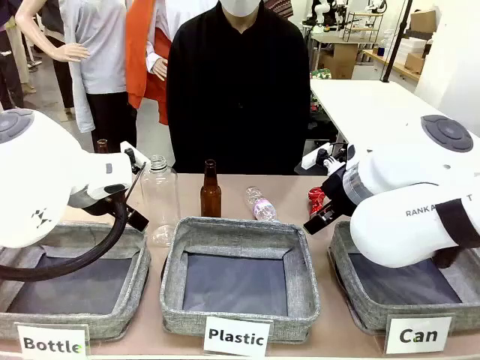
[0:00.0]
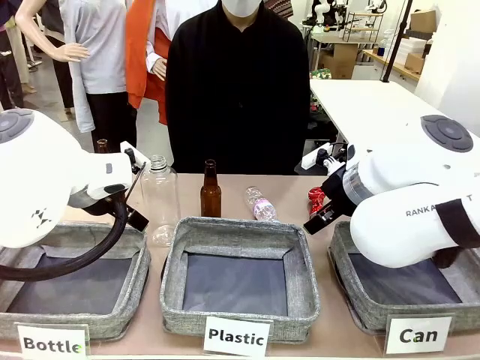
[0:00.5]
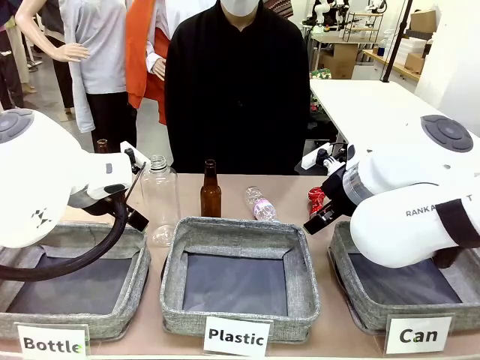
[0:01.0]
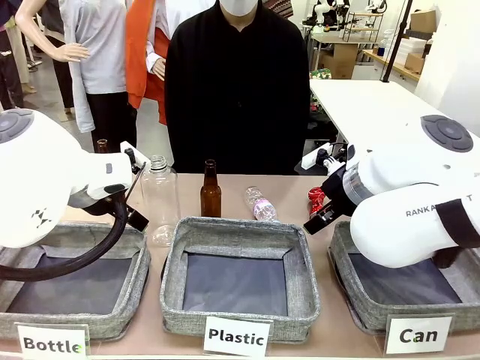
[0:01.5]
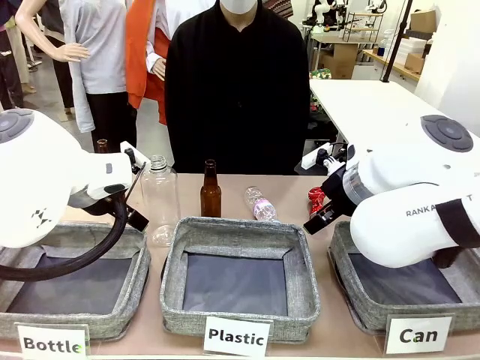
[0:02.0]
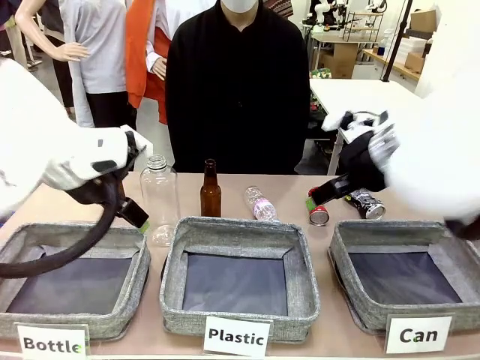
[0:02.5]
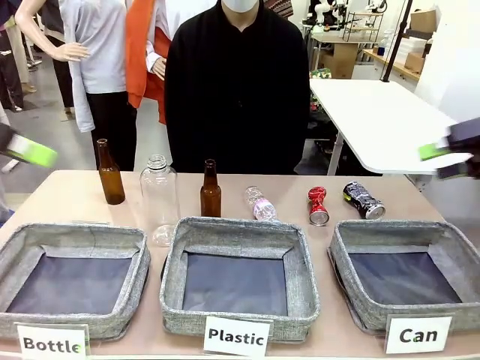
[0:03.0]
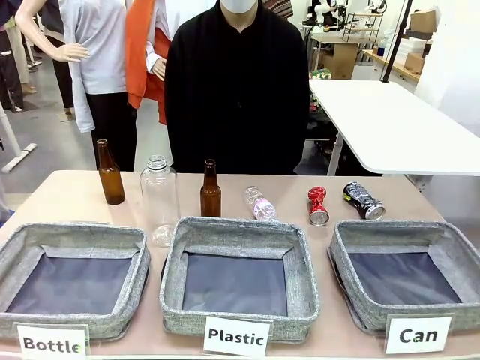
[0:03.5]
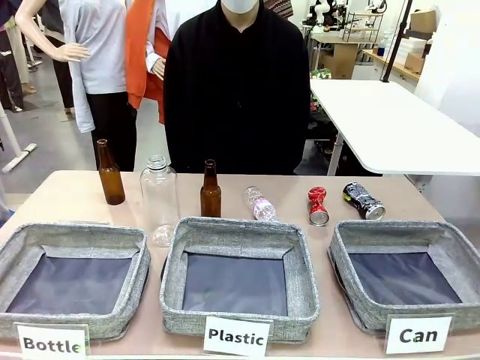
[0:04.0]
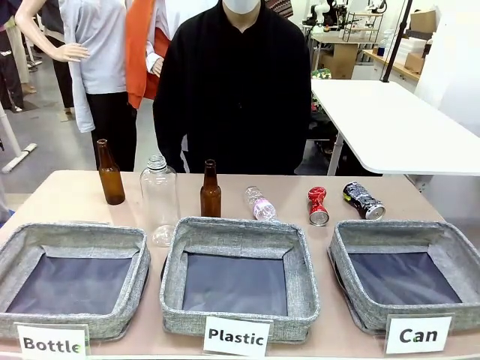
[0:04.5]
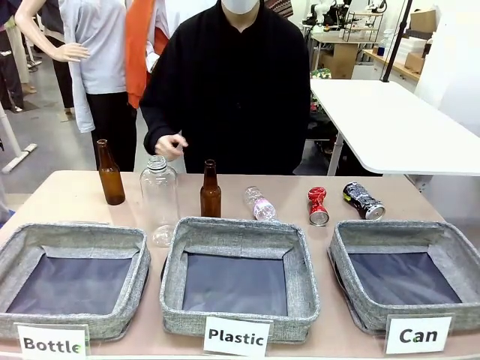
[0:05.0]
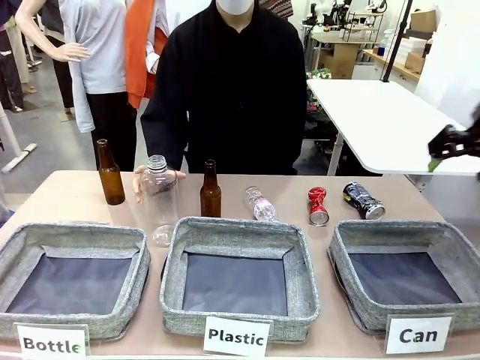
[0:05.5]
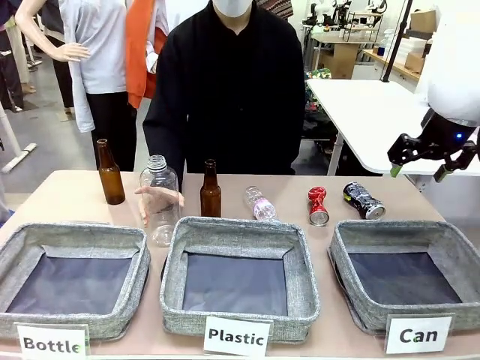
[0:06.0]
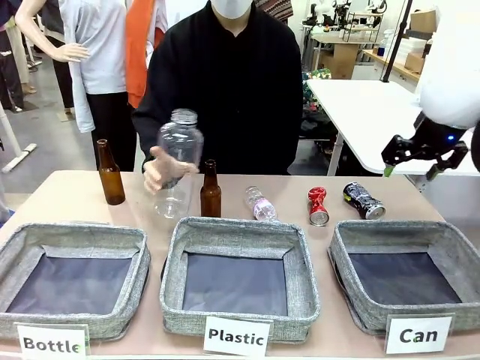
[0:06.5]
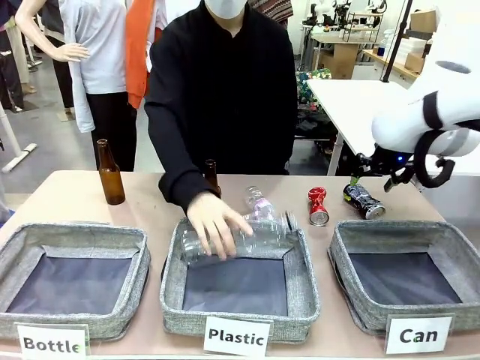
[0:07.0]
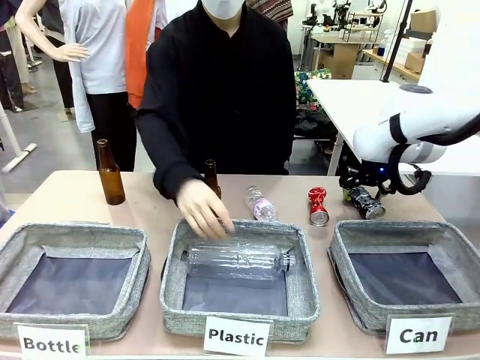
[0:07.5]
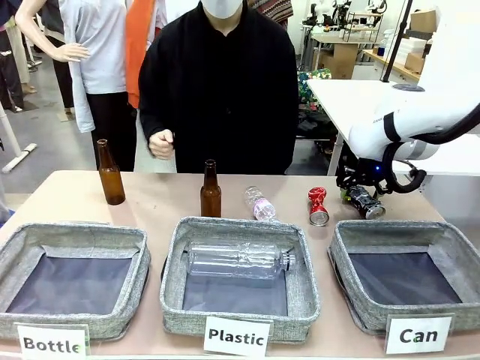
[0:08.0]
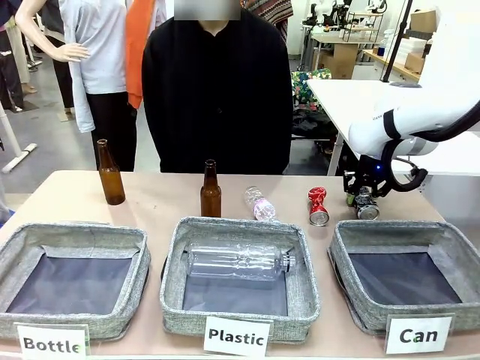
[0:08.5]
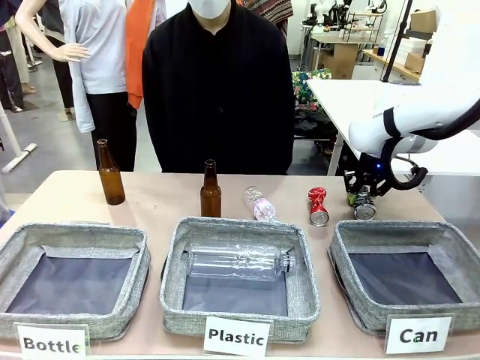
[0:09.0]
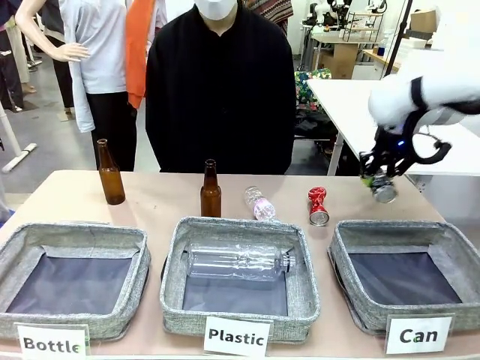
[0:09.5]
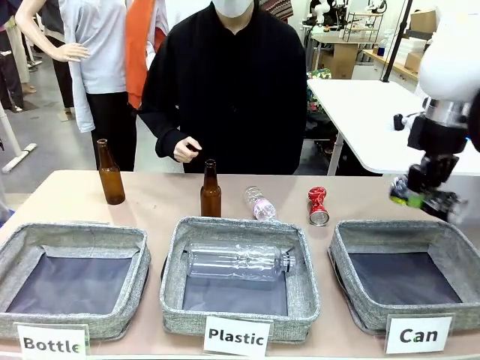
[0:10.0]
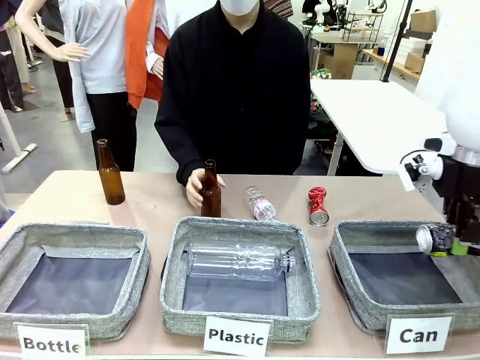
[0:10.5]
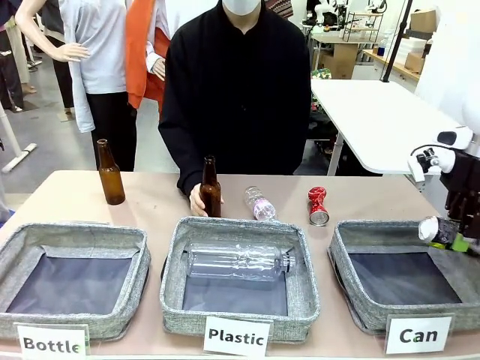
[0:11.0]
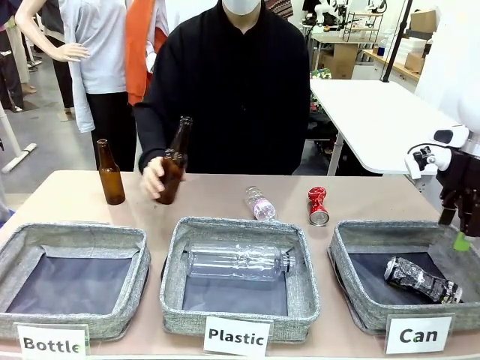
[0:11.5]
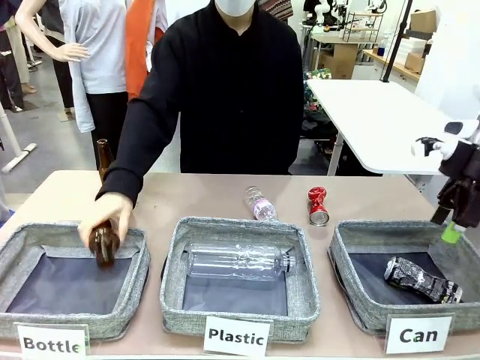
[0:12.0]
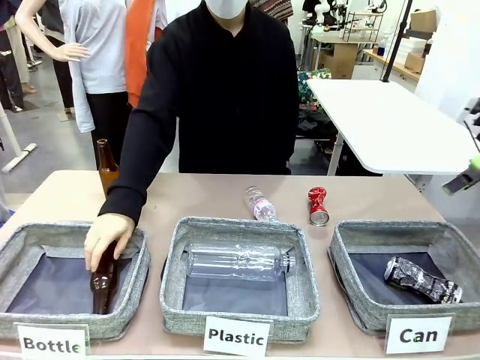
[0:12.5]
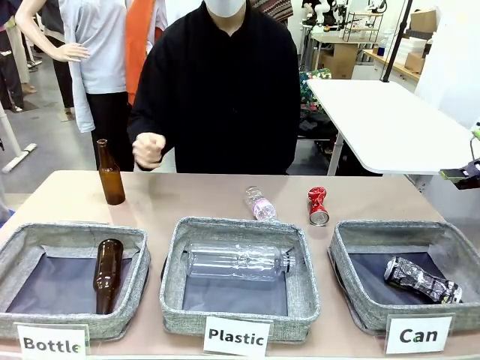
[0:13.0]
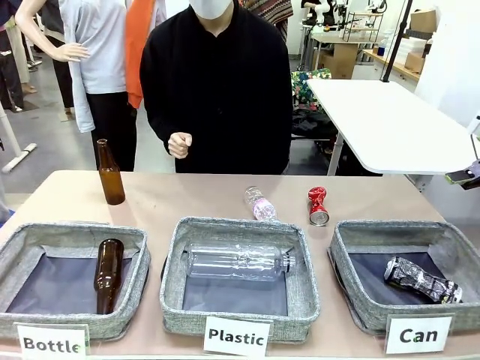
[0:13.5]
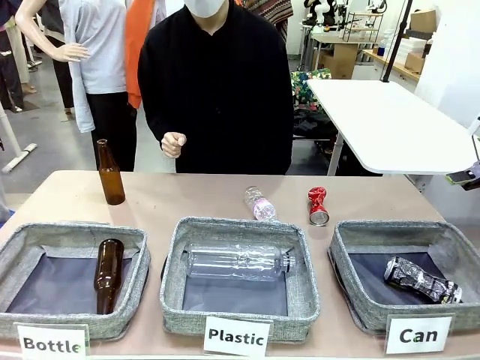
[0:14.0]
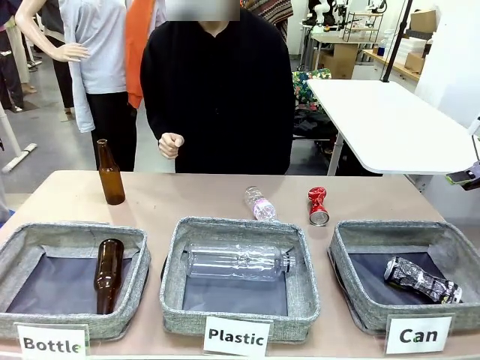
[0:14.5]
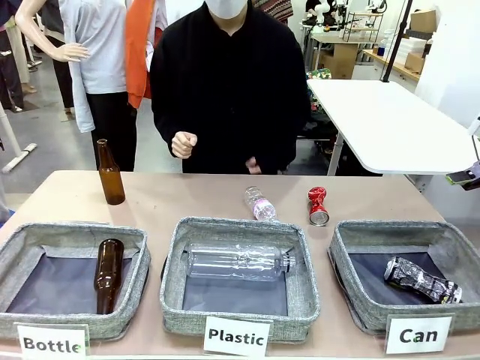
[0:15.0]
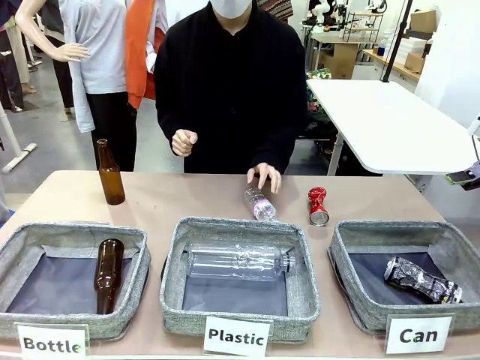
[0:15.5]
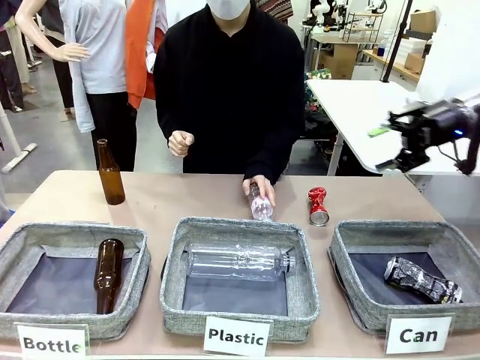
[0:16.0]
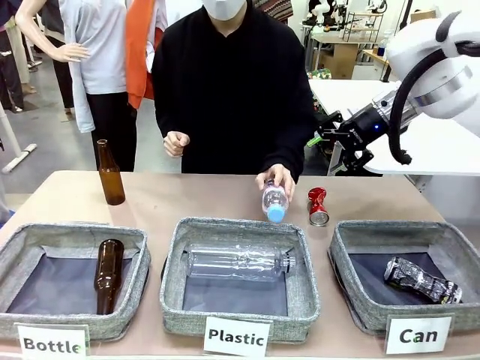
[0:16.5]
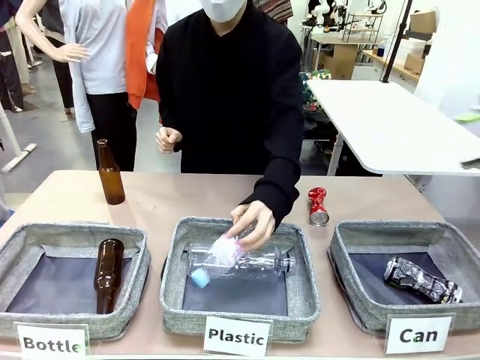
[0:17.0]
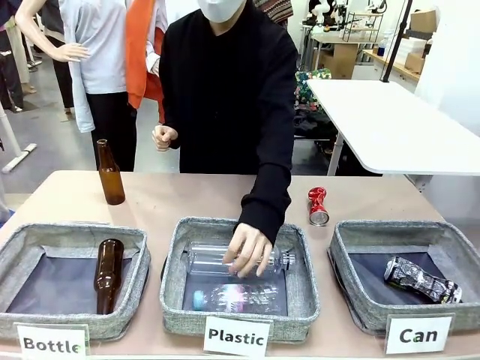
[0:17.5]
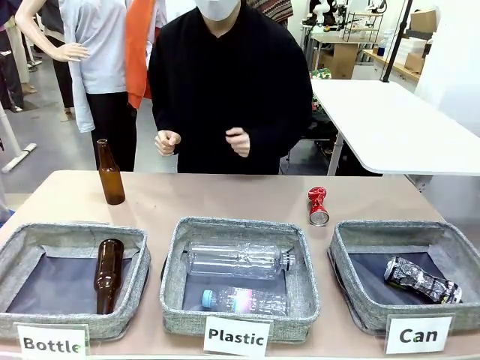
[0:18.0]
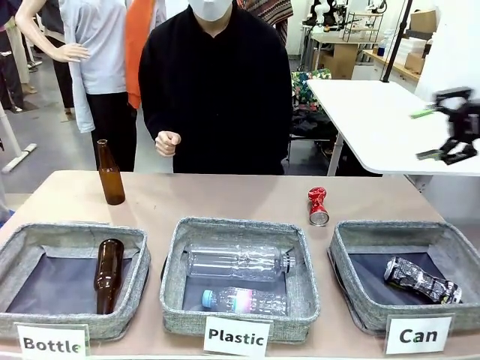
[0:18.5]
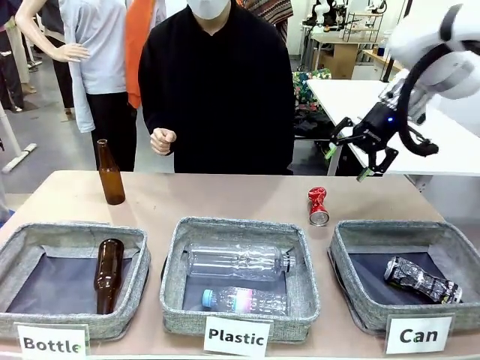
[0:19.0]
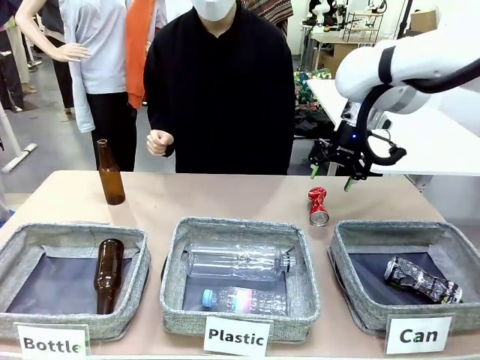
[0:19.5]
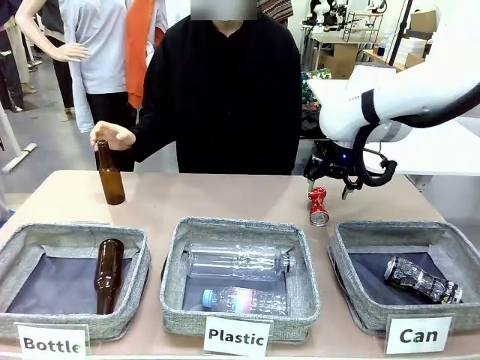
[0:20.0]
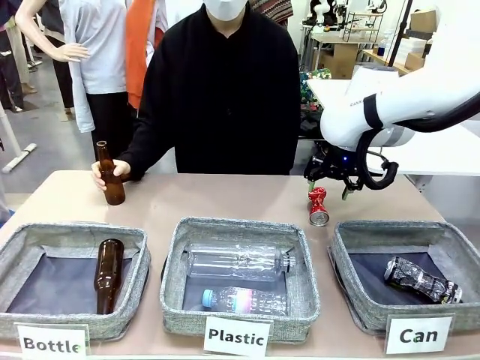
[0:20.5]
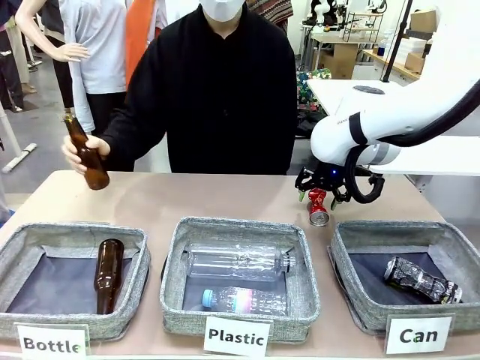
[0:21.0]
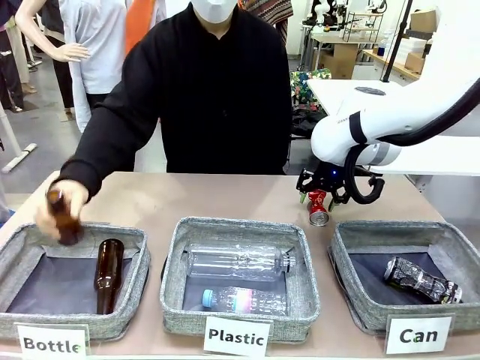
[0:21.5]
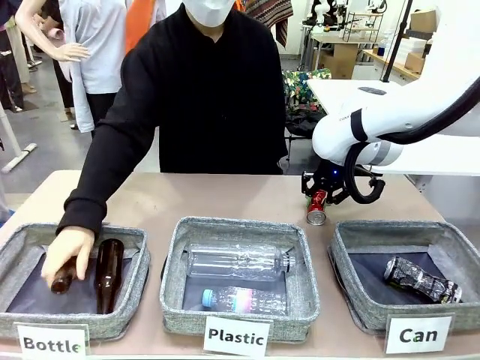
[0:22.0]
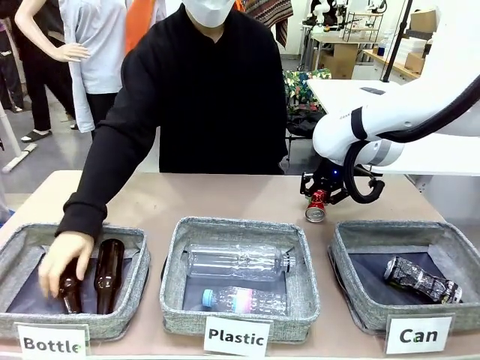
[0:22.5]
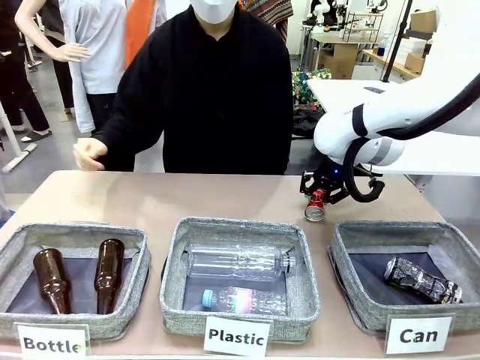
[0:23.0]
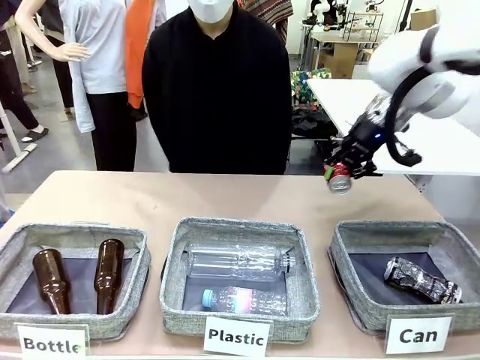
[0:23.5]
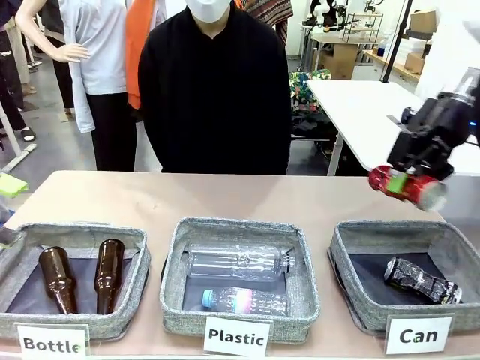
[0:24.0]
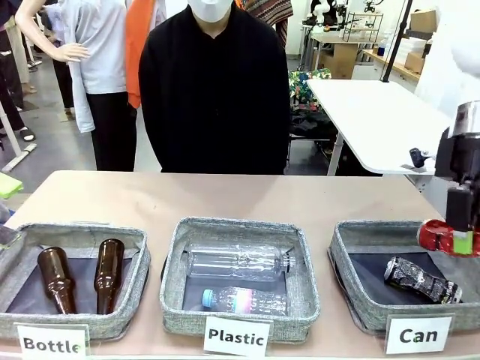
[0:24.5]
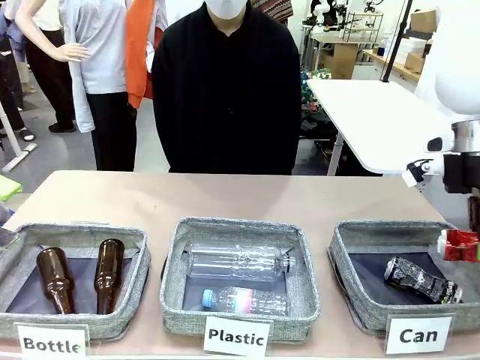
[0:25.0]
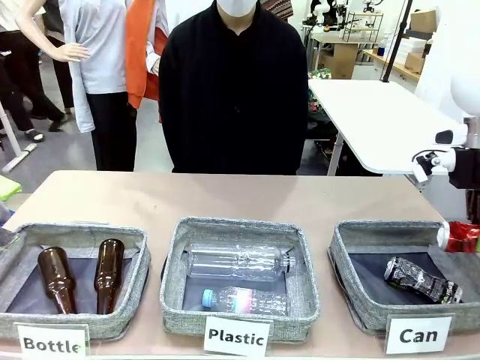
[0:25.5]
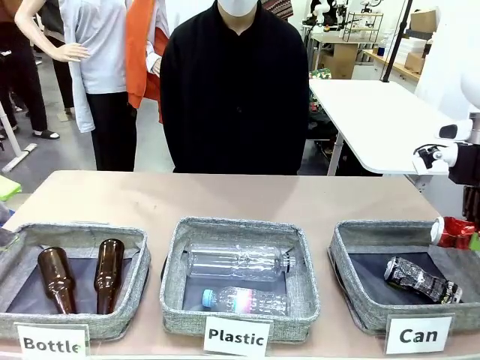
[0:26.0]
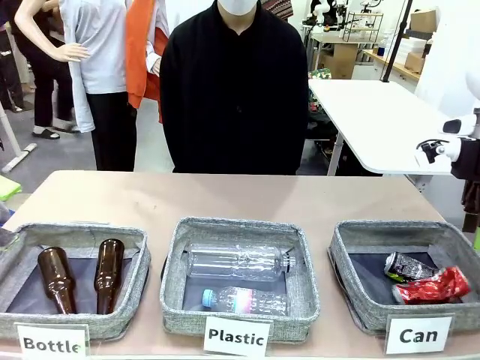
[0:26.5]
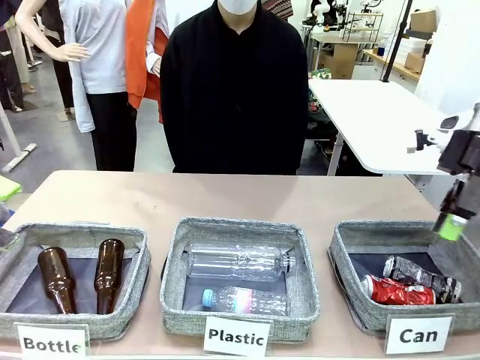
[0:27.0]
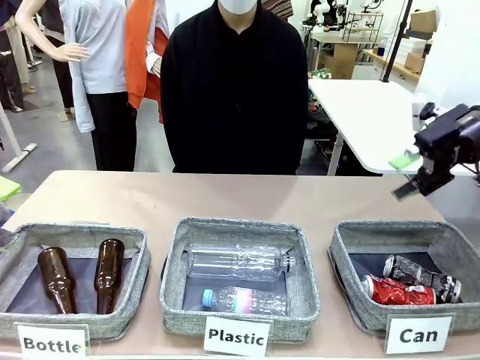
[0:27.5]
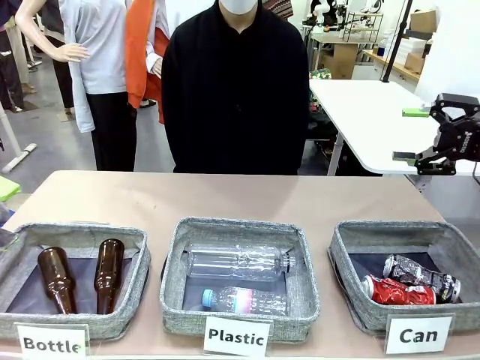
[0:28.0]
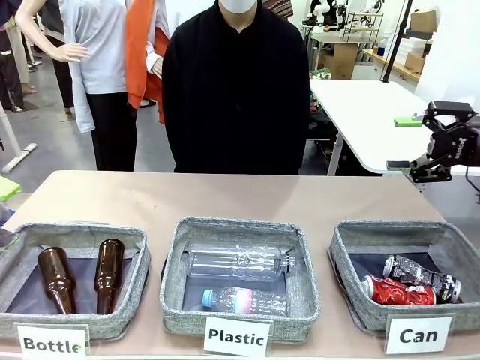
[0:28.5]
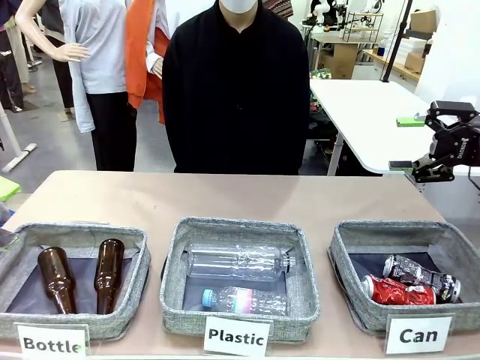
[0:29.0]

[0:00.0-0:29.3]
Task: Sort the can waste into the basket.
Robot: Pick up the can waste from the table and place it in the right Fabric basket.
Person: The human picks up one piece of trash that is not a can and places the trash into the appropriate organizing basket.
